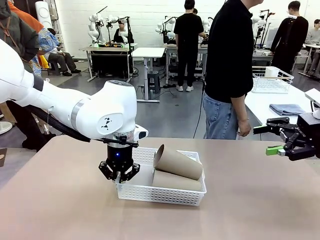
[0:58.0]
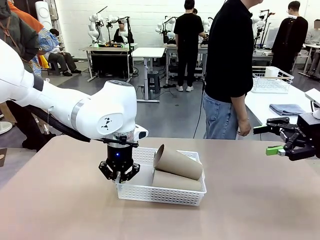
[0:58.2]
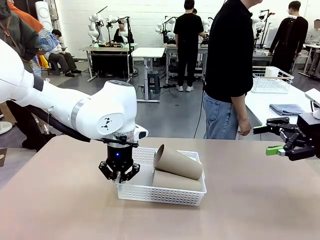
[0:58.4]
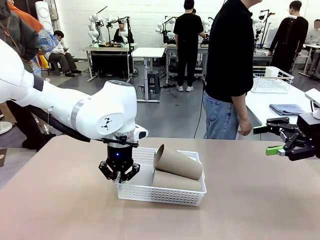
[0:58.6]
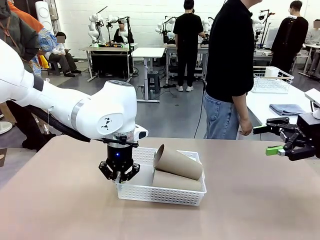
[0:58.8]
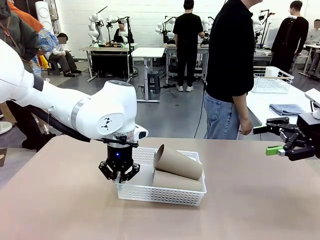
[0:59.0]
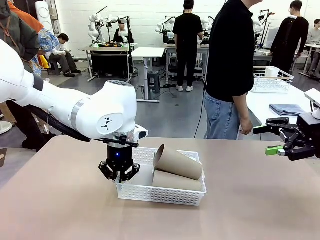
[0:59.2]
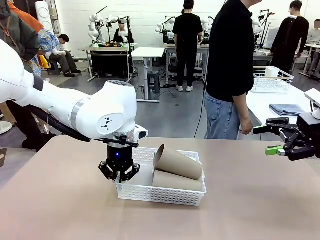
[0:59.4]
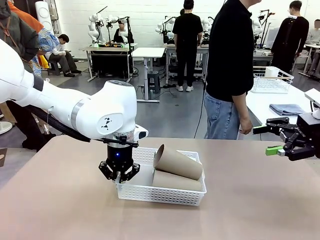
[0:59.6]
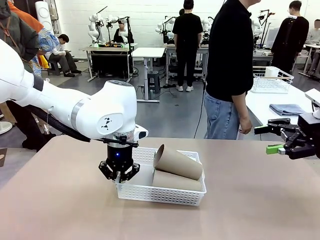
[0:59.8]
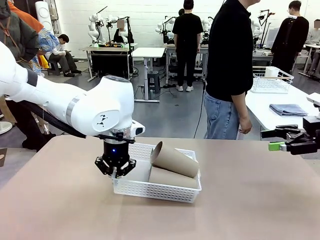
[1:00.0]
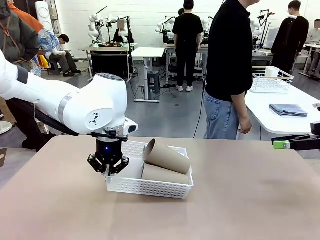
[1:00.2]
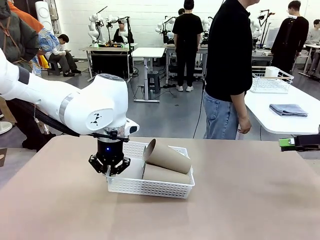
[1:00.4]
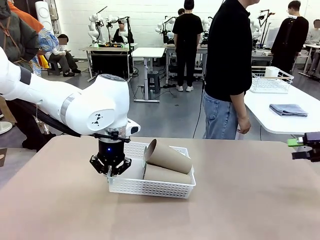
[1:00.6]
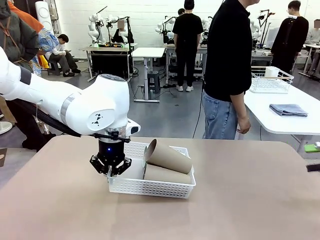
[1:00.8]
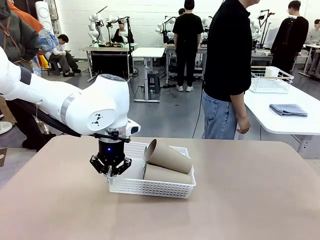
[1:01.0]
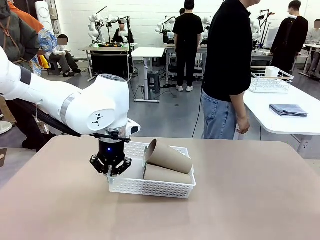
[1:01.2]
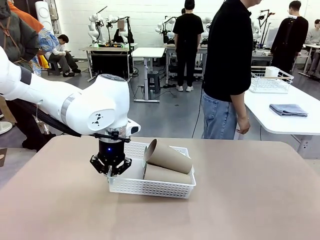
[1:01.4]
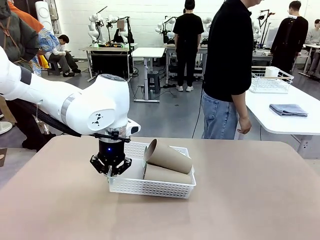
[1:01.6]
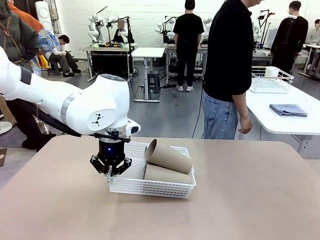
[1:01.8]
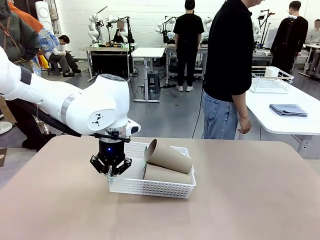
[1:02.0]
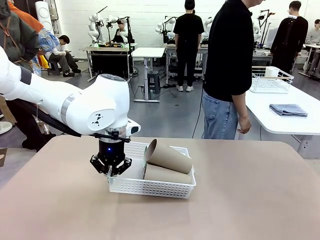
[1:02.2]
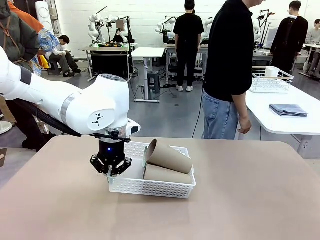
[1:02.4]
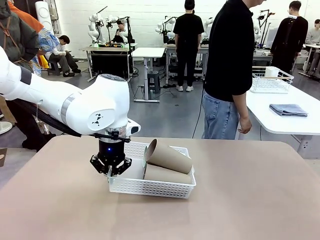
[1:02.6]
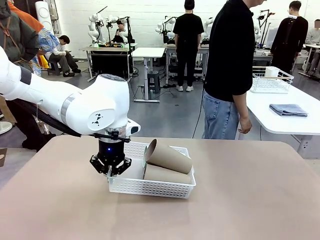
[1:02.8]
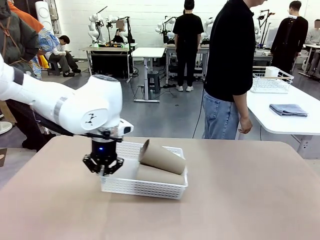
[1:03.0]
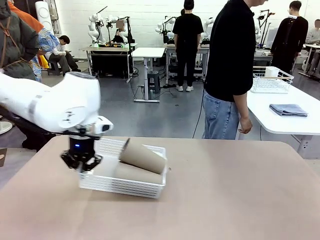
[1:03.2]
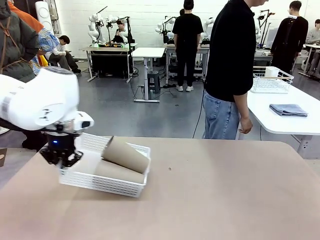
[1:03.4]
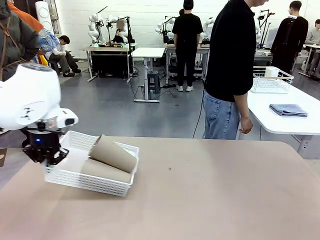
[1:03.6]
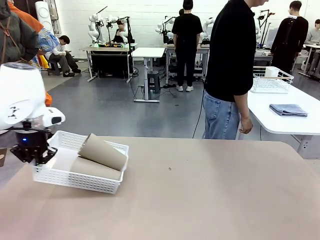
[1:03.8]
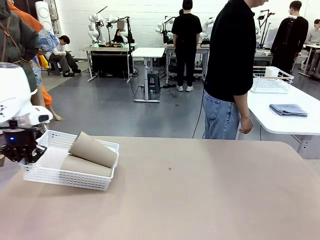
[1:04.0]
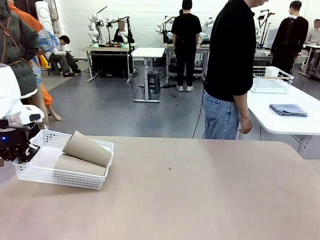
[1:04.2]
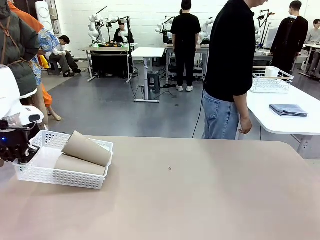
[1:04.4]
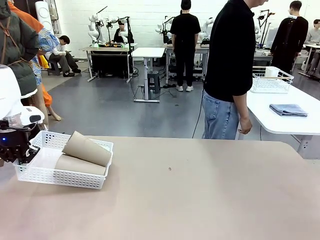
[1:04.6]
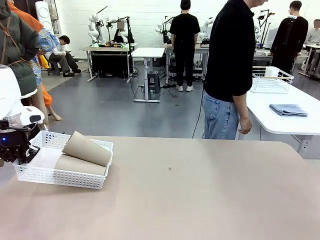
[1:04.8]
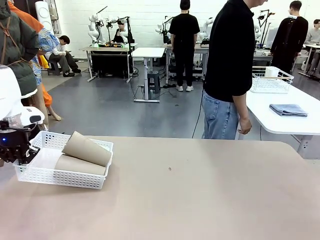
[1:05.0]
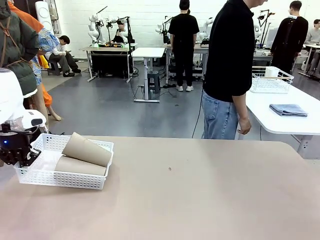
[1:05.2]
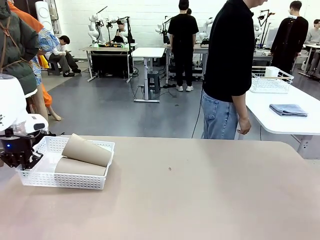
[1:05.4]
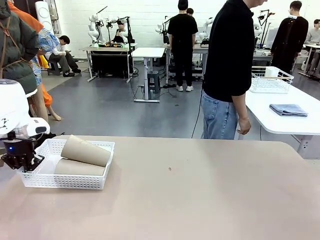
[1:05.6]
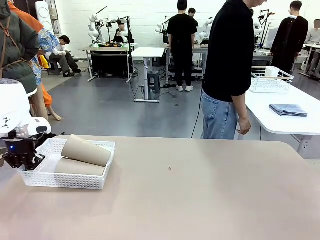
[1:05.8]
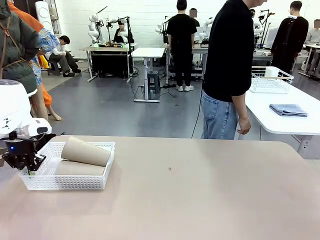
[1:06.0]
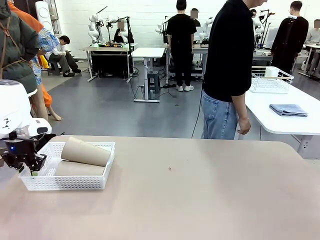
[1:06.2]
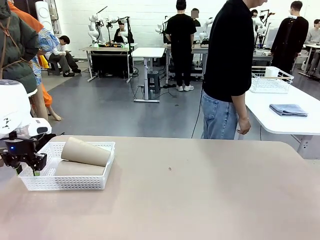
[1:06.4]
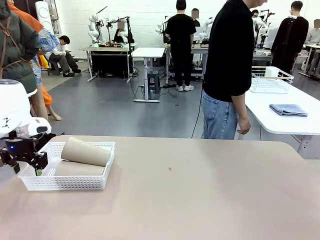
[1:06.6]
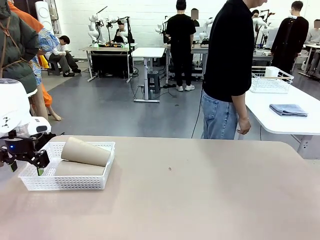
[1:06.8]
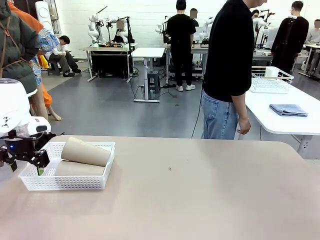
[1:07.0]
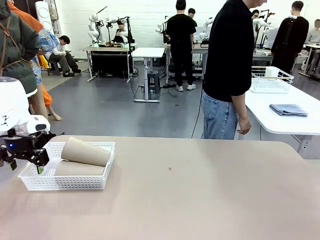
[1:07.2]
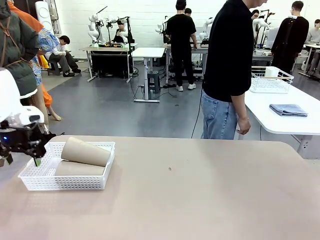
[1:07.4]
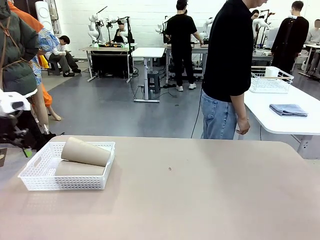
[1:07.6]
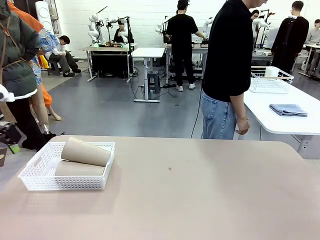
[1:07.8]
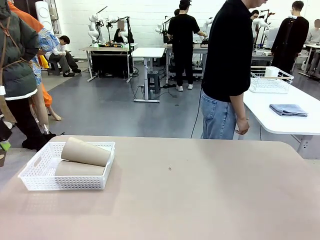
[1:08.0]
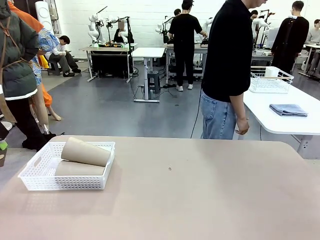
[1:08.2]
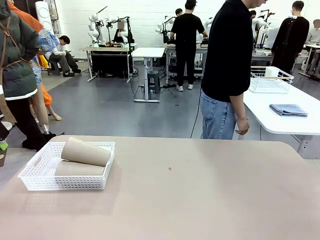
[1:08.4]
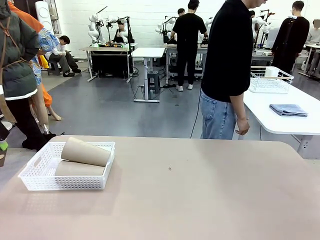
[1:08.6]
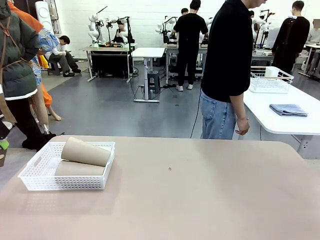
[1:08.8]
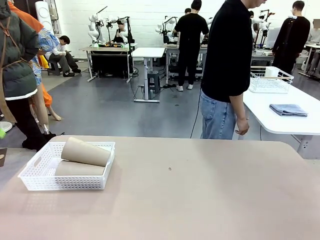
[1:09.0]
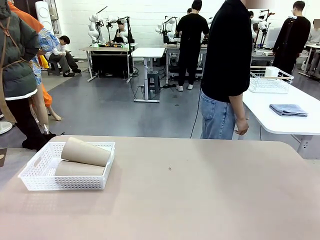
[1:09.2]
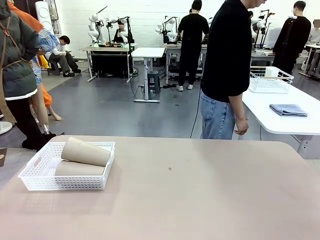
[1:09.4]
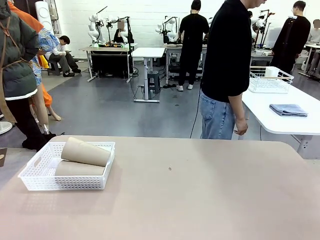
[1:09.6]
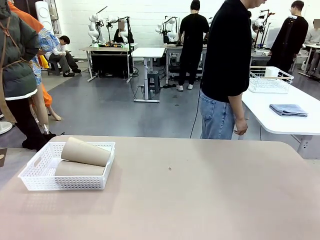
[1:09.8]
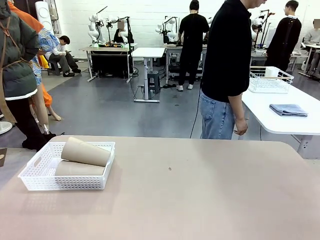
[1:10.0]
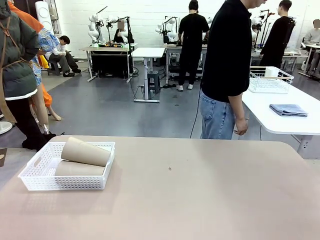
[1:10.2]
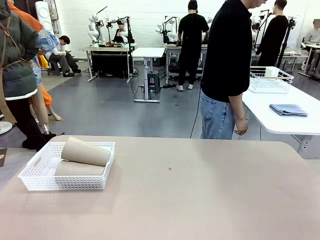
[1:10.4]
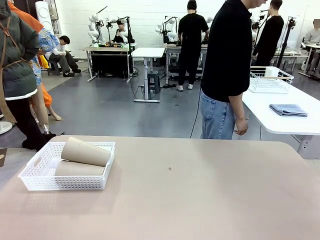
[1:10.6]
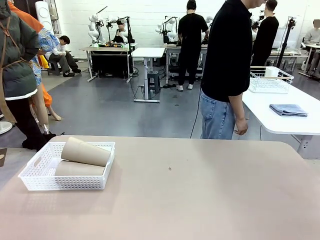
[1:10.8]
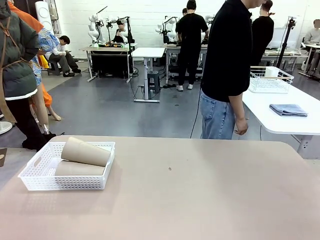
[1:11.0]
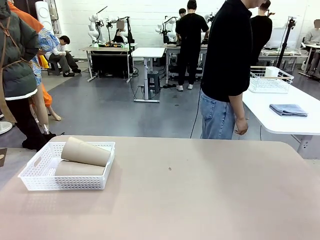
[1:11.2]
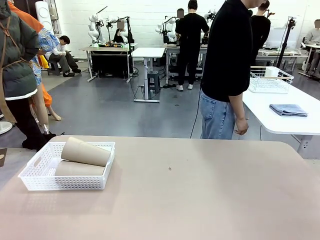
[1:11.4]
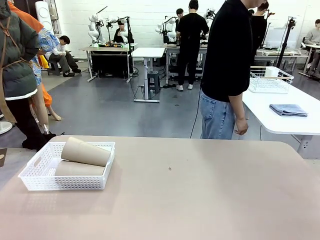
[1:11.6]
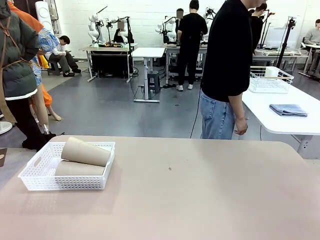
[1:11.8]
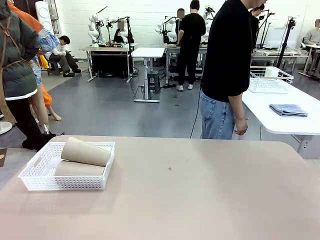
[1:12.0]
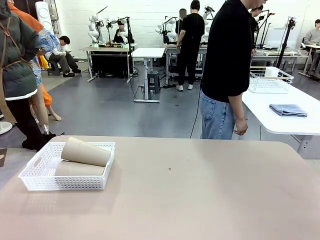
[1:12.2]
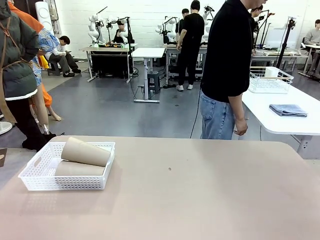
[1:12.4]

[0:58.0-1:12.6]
Task: Clean and organize the cups into the basket.
Robot: Move the Organizing basket back to the left side of the table.
Person: Folds the towel in half twice and places it in the right of the table.
